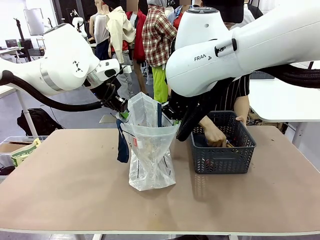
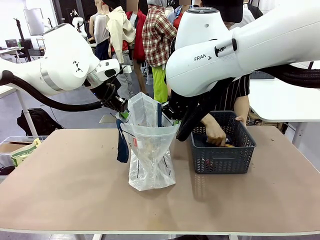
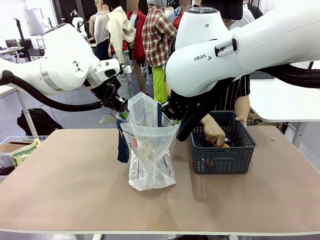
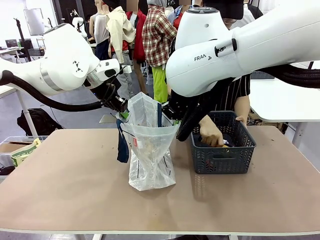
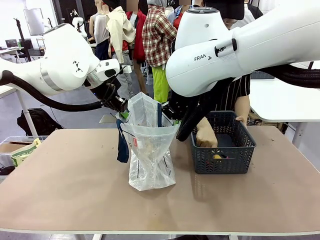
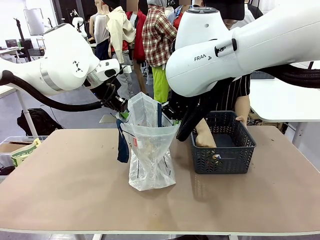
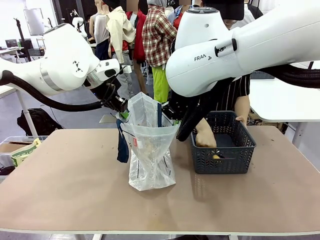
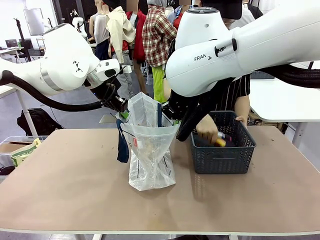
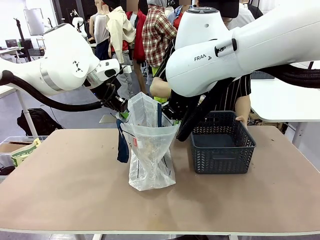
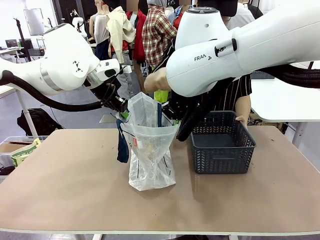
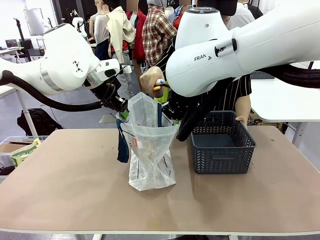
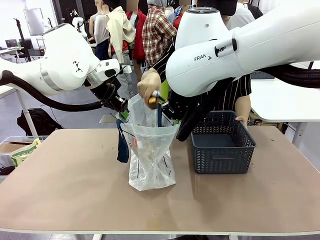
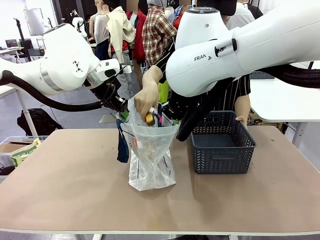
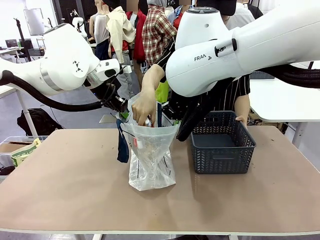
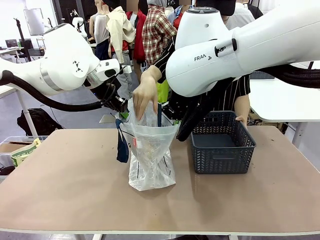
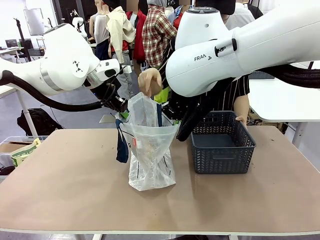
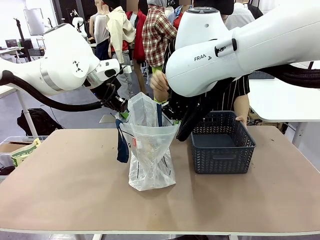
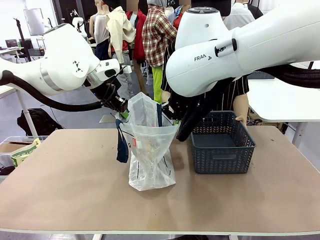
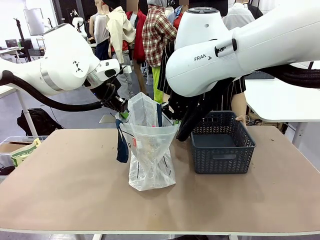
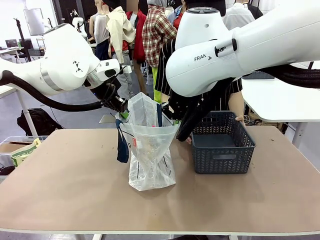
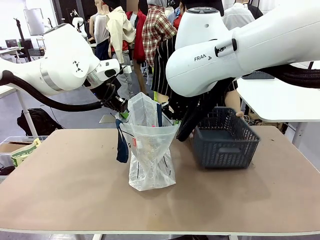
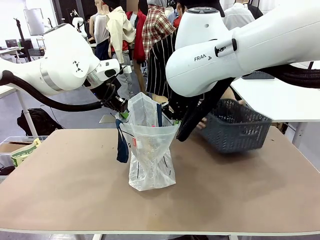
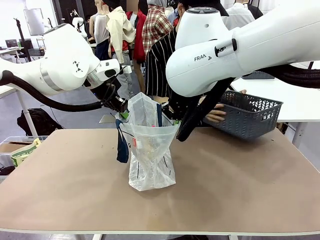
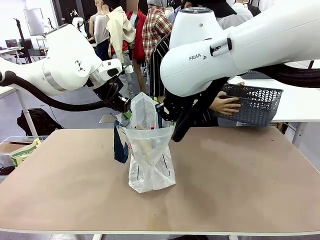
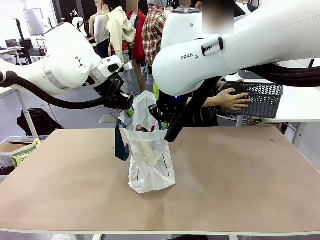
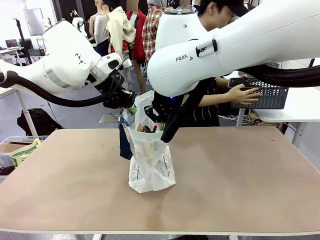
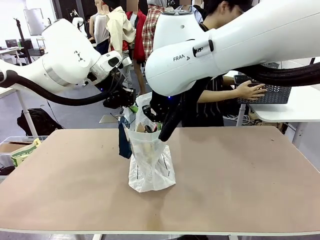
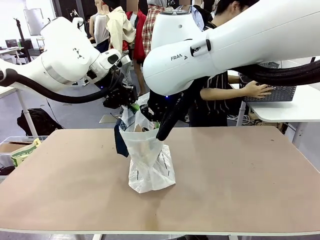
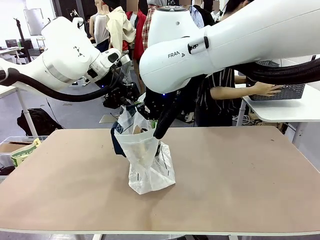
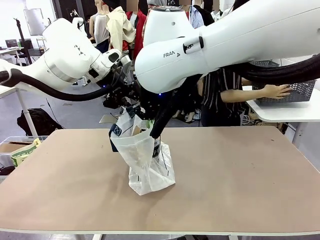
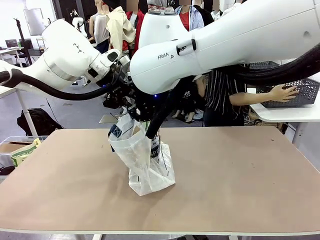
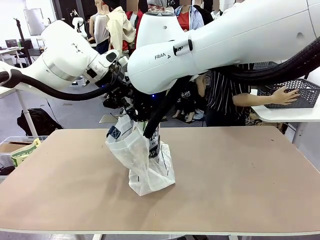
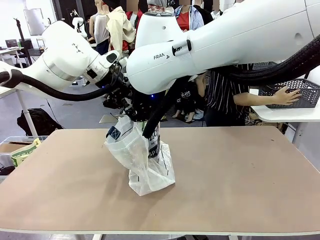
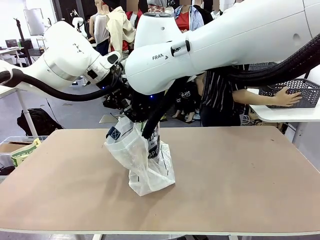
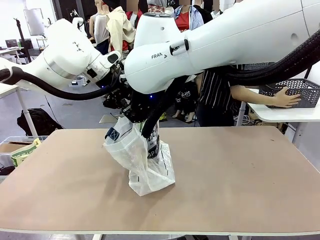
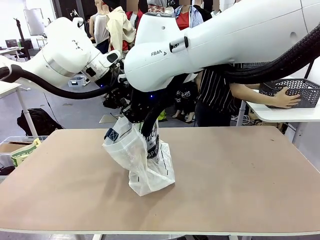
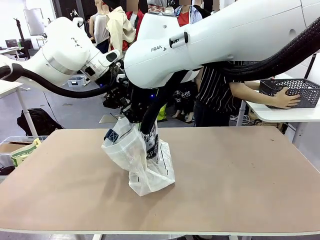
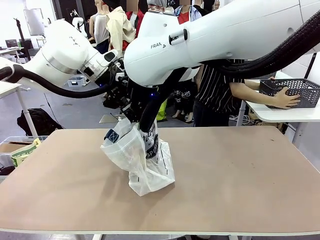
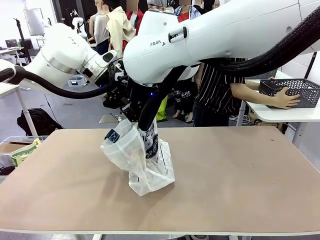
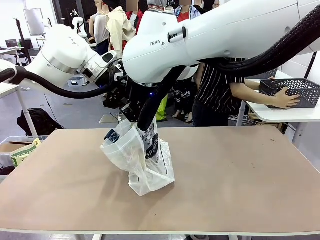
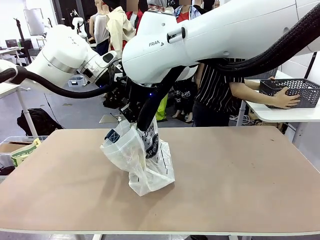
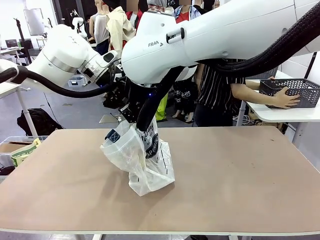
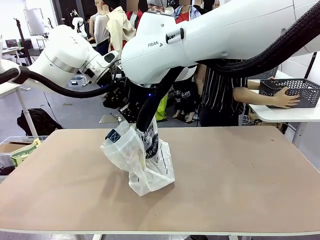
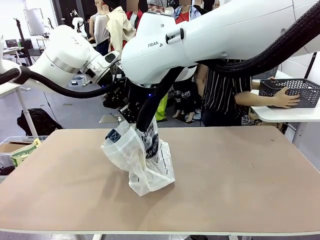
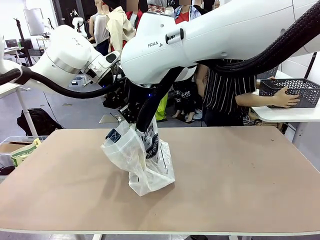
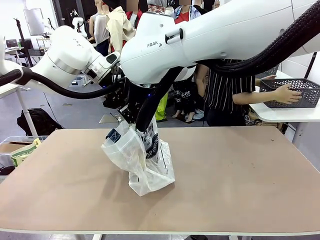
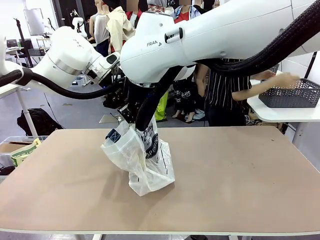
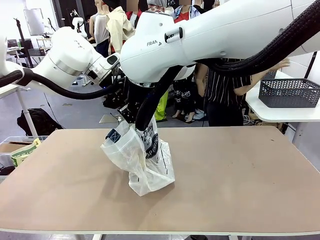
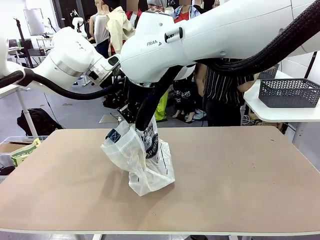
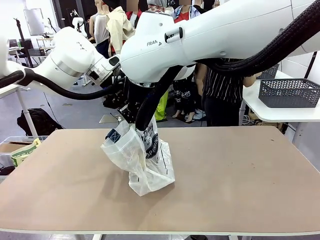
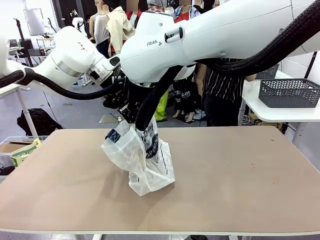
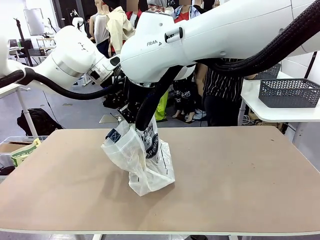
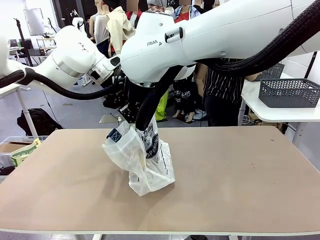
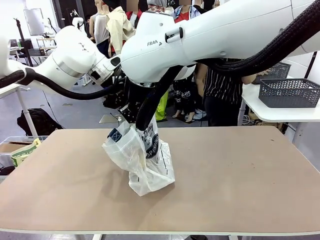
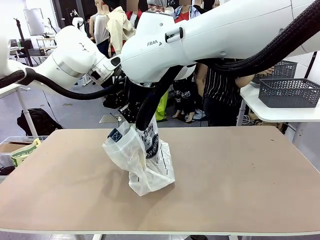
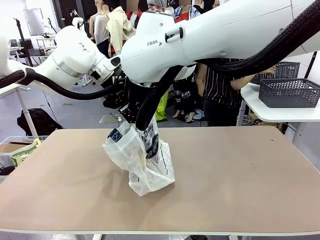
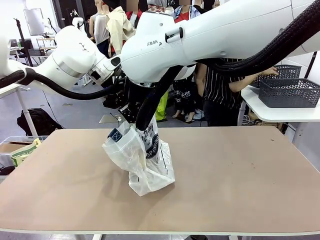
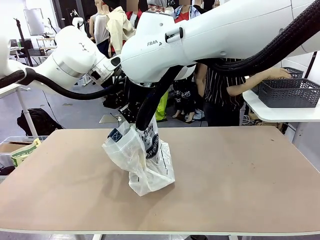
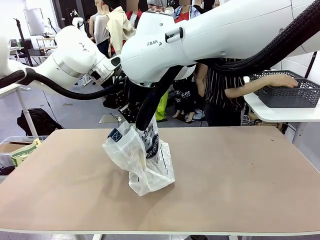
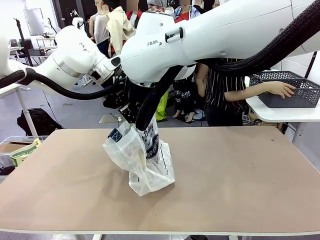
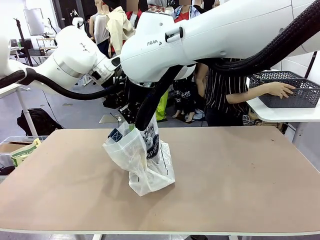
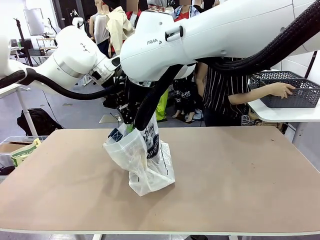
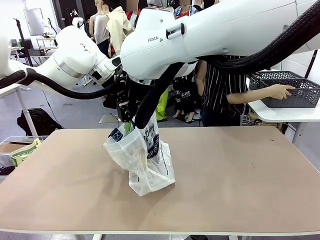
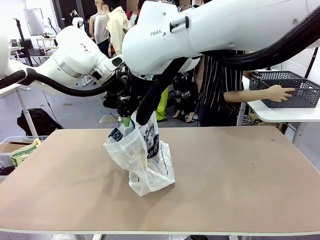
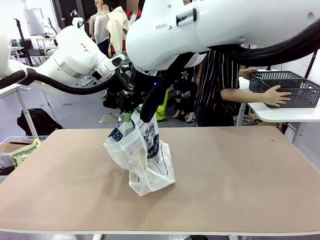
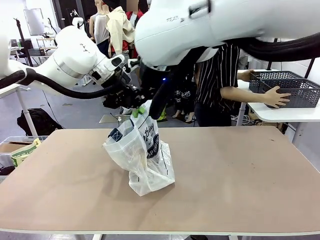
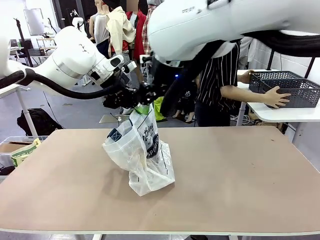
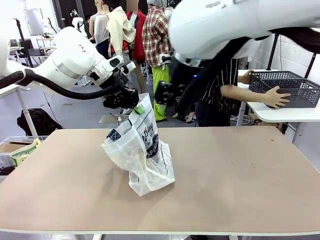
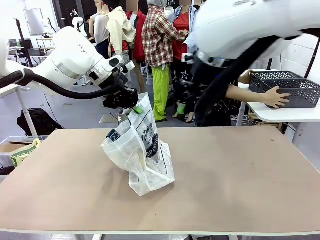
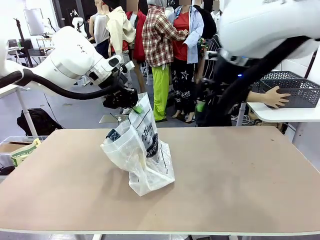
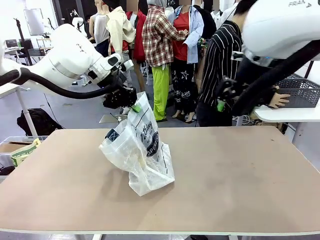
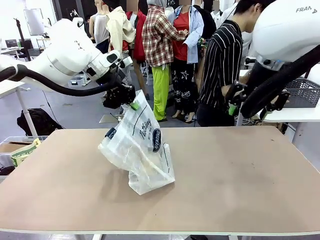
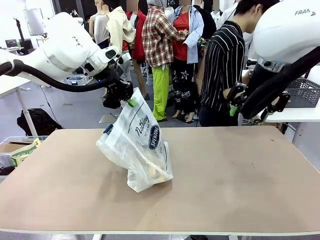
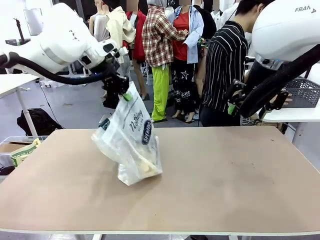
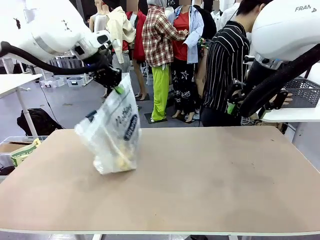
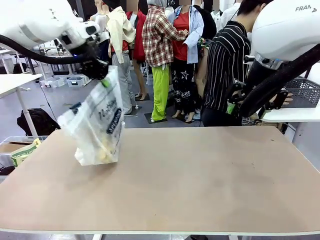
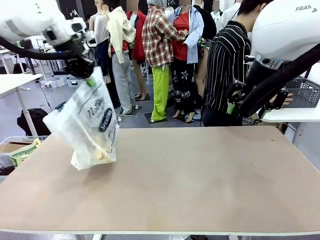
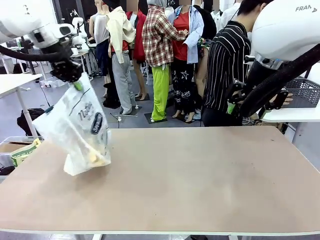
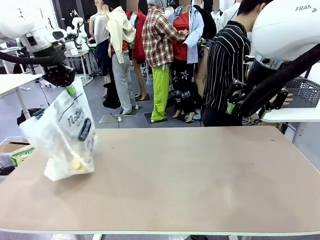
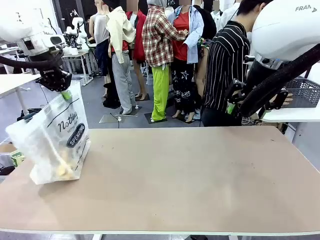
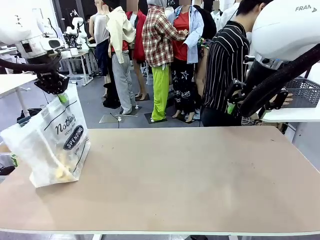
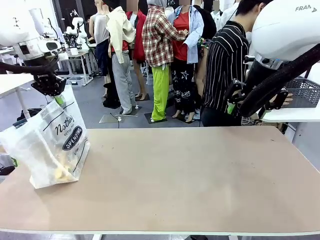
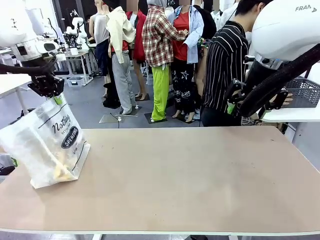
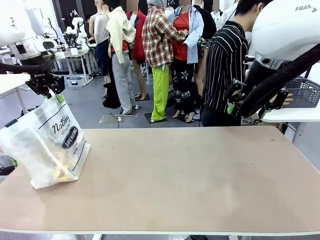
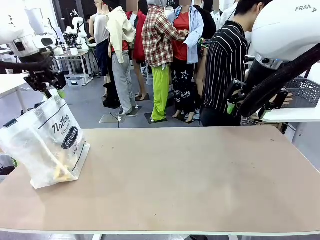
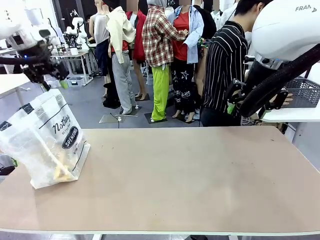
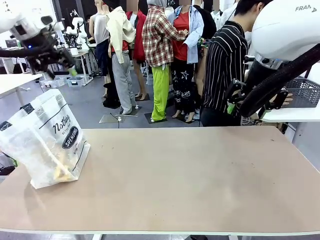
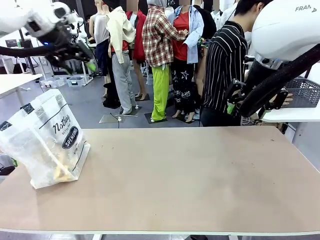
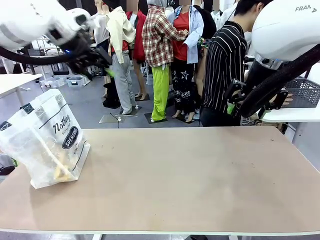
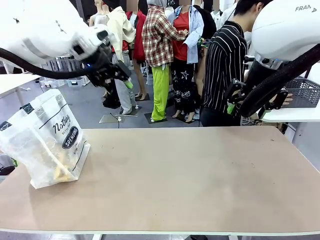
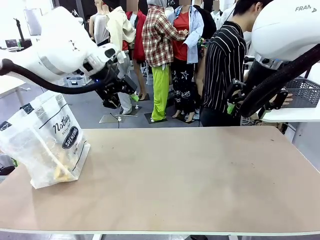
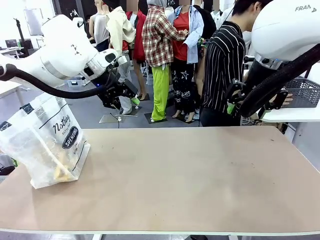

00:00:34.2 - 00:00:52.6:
Task: Transfer purchased items from the store into the shopping bag.
Robot: Move the Reusable shopping bag to the right side of the table.
Person: Move the basket on the left to the middle of the person's table.
